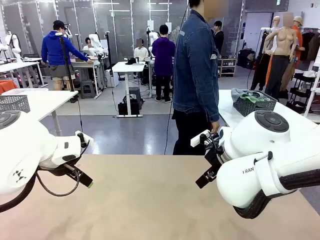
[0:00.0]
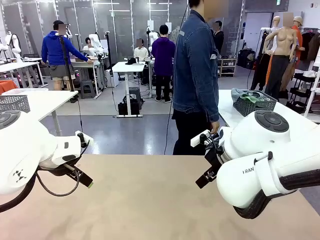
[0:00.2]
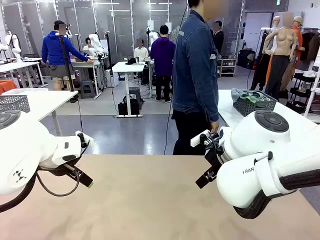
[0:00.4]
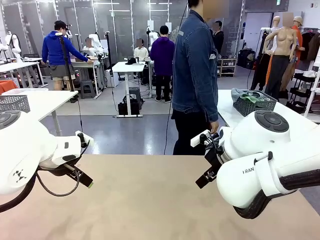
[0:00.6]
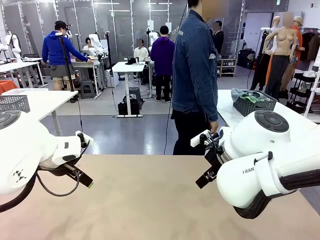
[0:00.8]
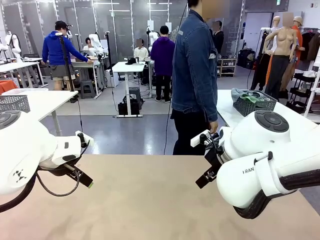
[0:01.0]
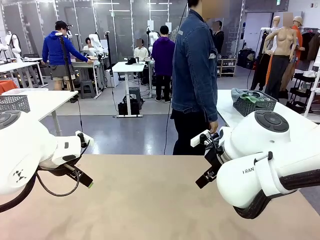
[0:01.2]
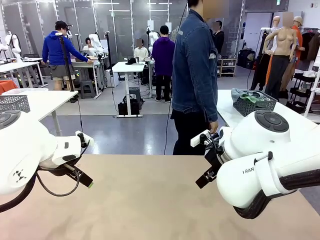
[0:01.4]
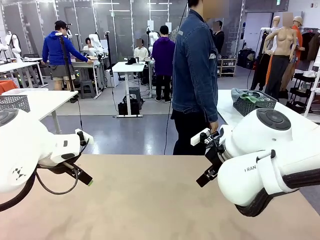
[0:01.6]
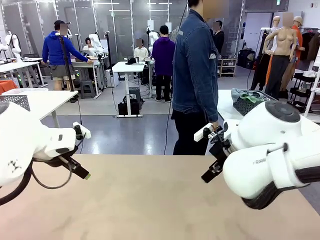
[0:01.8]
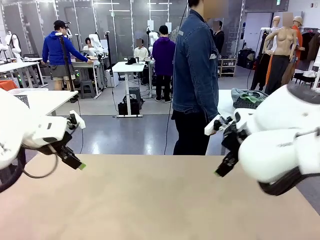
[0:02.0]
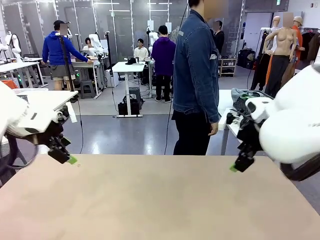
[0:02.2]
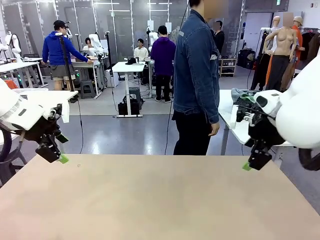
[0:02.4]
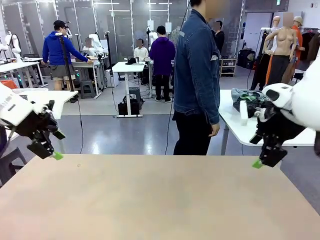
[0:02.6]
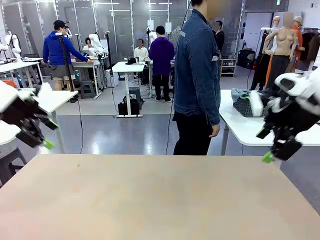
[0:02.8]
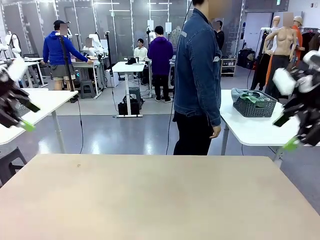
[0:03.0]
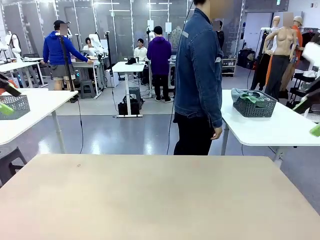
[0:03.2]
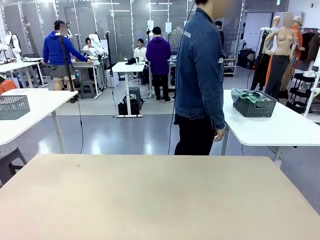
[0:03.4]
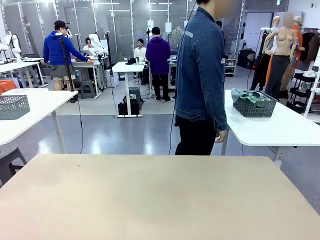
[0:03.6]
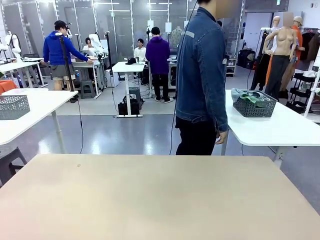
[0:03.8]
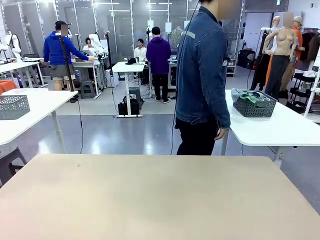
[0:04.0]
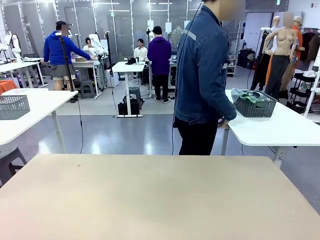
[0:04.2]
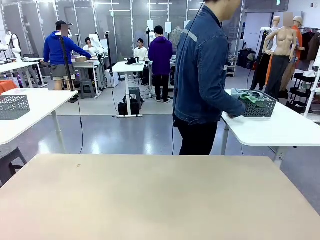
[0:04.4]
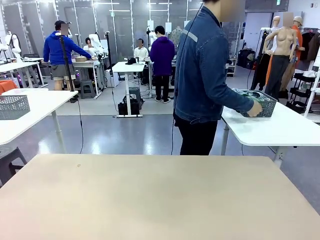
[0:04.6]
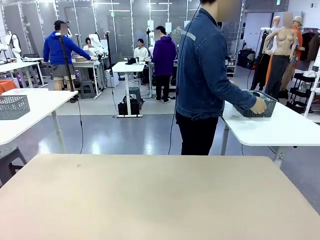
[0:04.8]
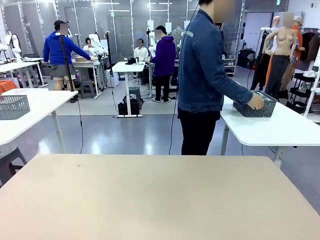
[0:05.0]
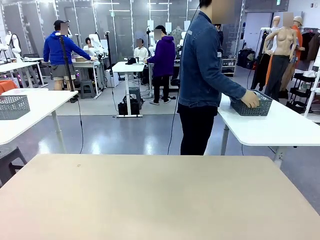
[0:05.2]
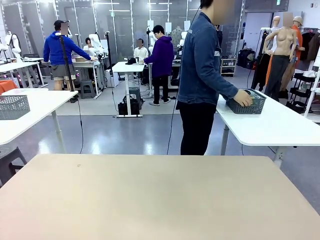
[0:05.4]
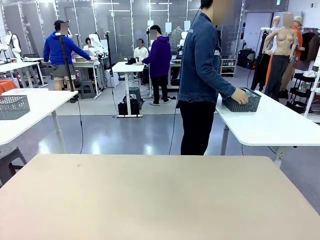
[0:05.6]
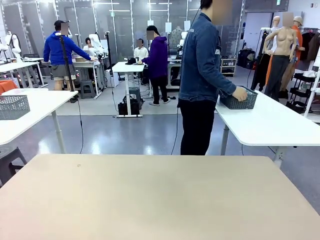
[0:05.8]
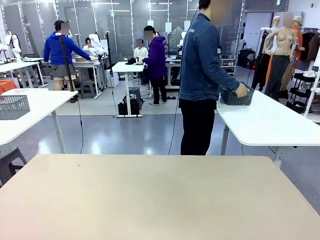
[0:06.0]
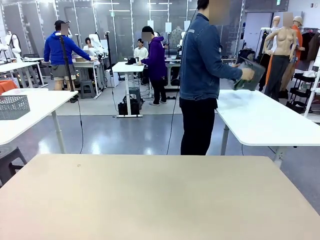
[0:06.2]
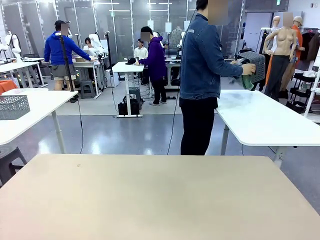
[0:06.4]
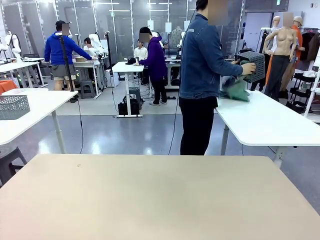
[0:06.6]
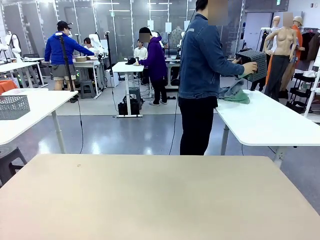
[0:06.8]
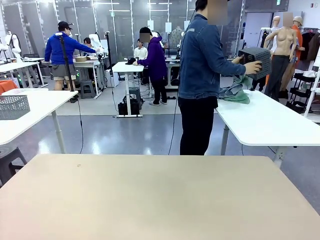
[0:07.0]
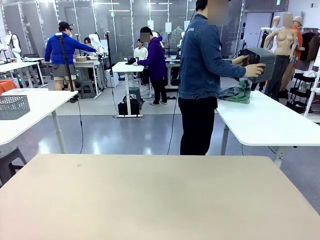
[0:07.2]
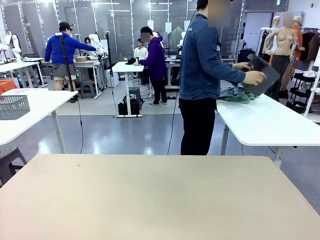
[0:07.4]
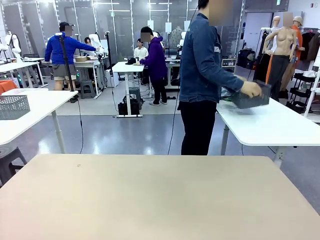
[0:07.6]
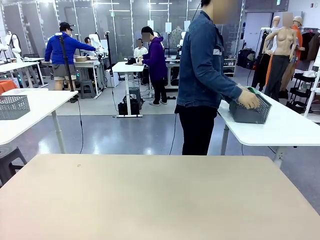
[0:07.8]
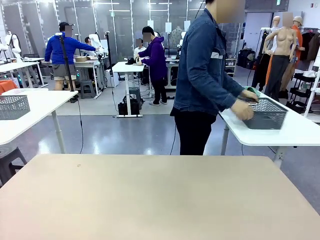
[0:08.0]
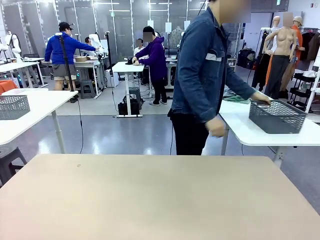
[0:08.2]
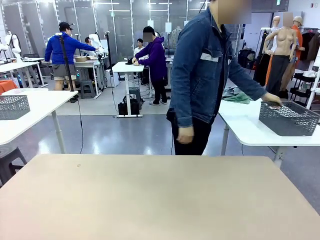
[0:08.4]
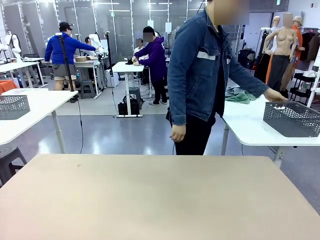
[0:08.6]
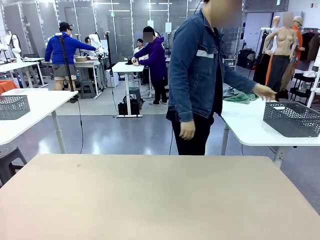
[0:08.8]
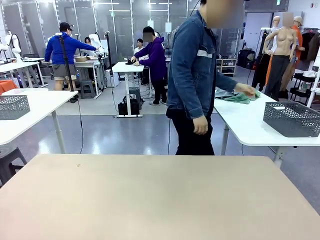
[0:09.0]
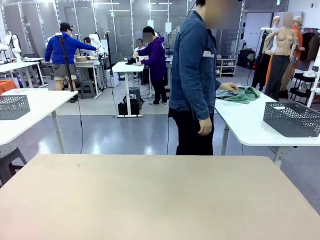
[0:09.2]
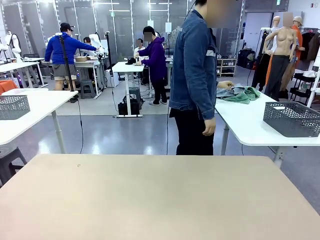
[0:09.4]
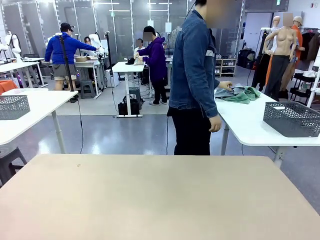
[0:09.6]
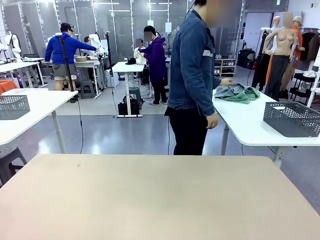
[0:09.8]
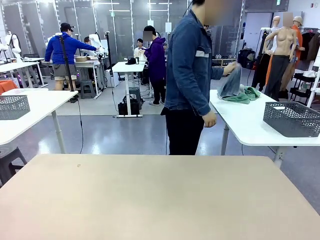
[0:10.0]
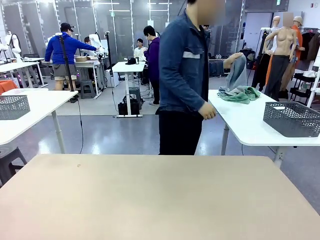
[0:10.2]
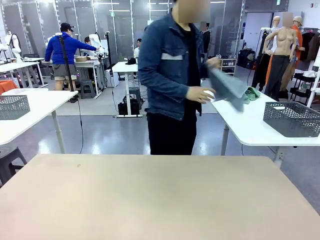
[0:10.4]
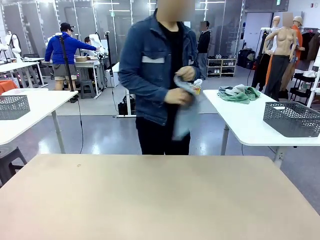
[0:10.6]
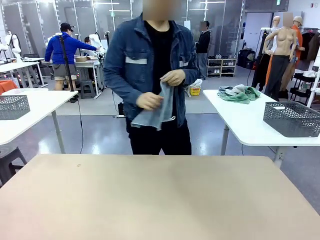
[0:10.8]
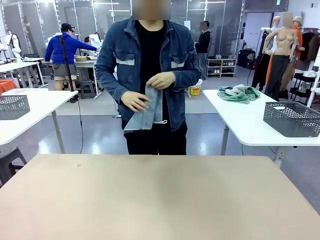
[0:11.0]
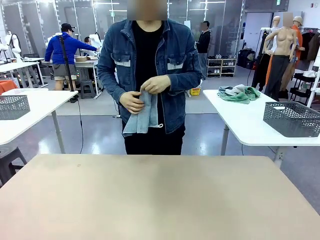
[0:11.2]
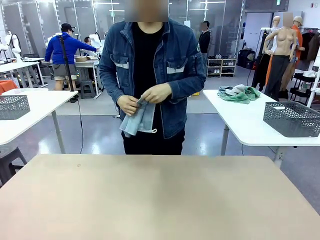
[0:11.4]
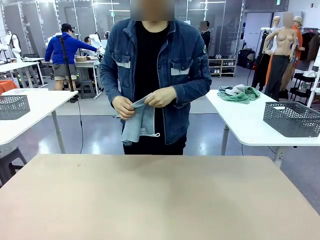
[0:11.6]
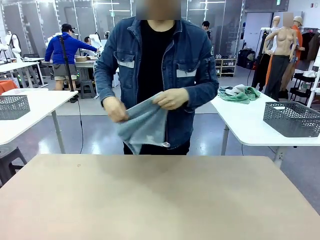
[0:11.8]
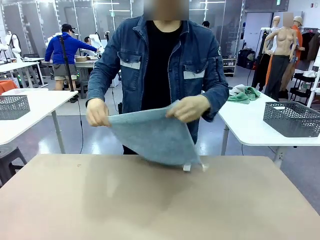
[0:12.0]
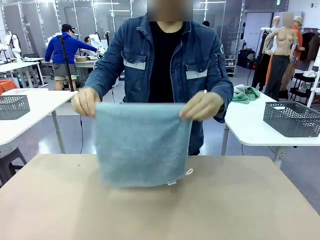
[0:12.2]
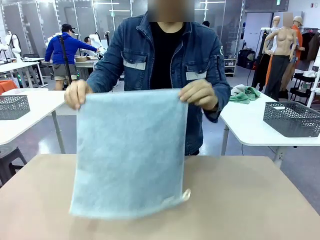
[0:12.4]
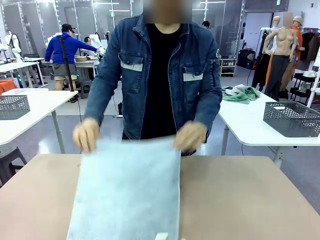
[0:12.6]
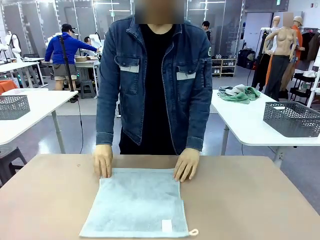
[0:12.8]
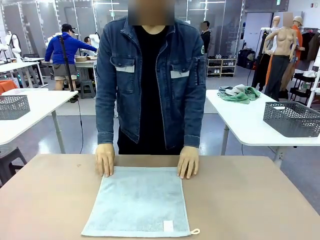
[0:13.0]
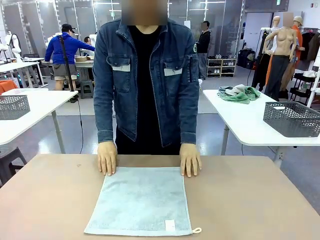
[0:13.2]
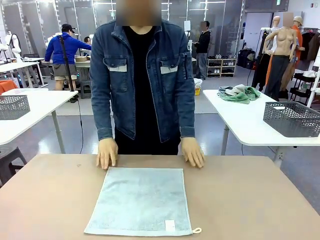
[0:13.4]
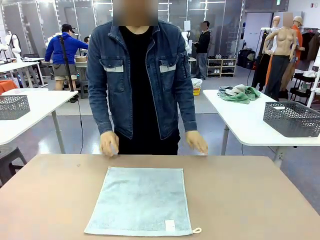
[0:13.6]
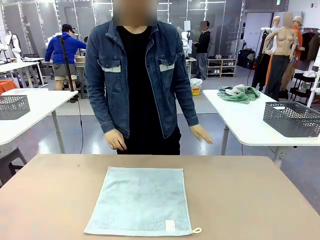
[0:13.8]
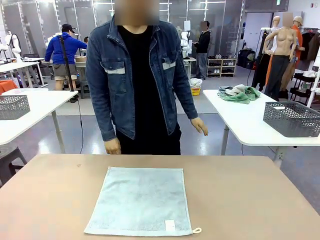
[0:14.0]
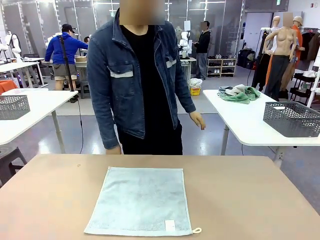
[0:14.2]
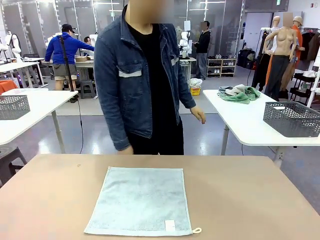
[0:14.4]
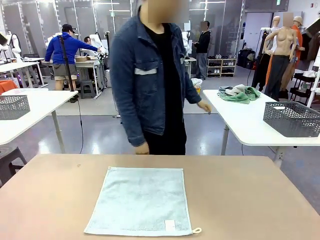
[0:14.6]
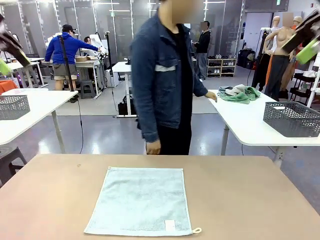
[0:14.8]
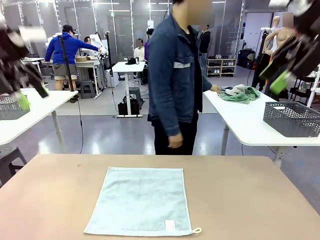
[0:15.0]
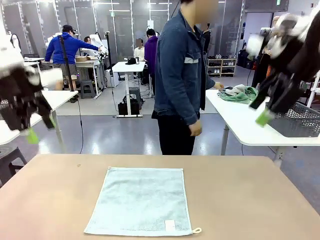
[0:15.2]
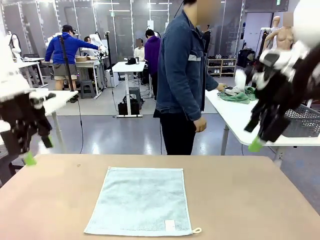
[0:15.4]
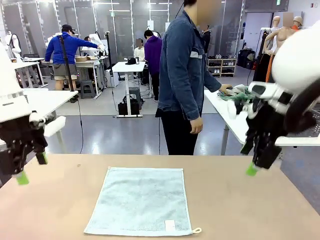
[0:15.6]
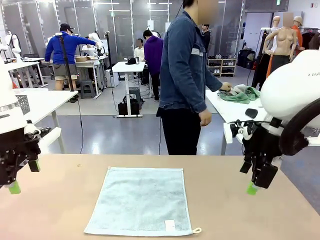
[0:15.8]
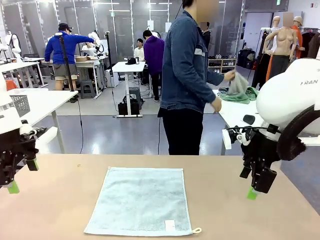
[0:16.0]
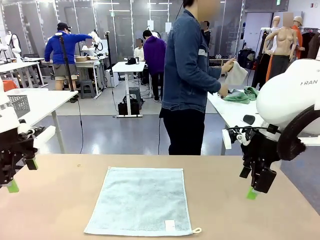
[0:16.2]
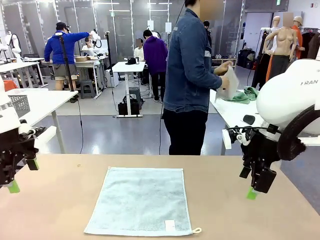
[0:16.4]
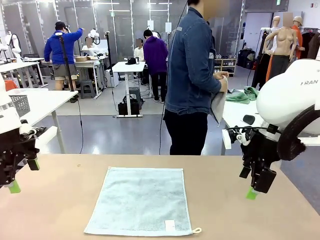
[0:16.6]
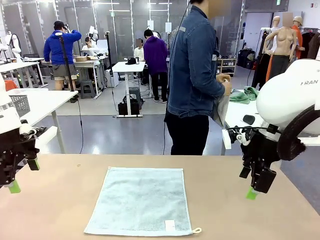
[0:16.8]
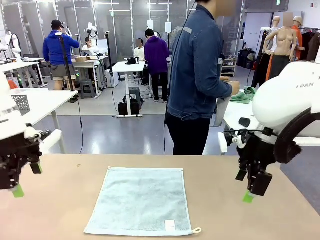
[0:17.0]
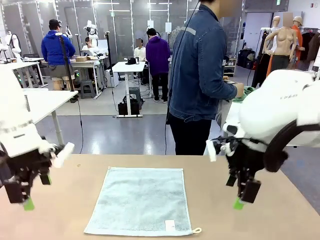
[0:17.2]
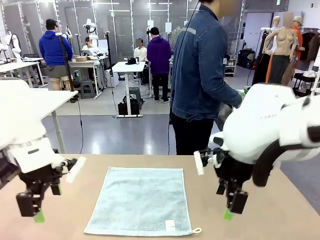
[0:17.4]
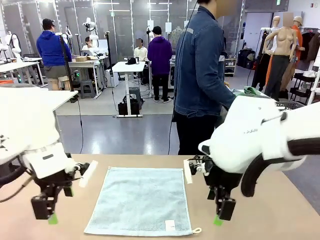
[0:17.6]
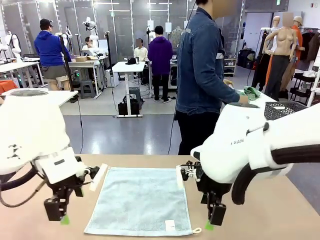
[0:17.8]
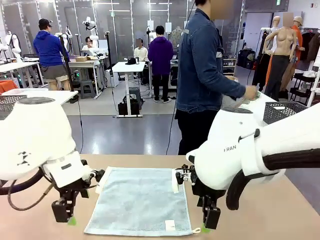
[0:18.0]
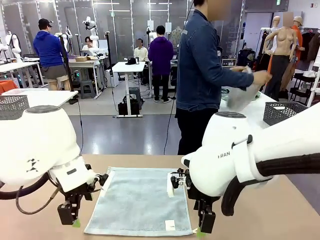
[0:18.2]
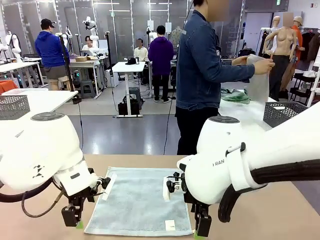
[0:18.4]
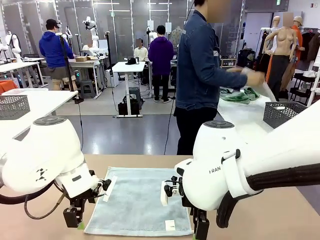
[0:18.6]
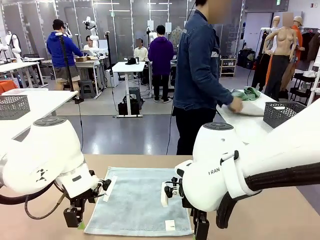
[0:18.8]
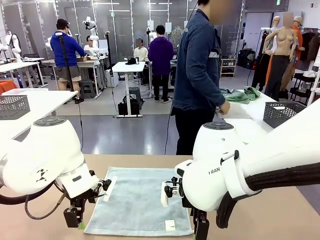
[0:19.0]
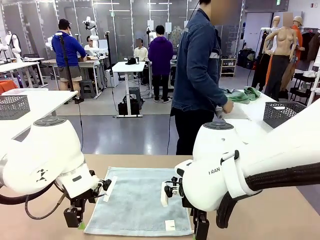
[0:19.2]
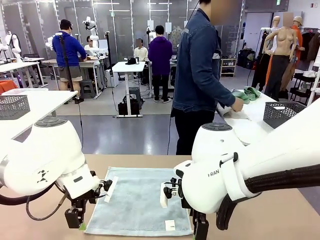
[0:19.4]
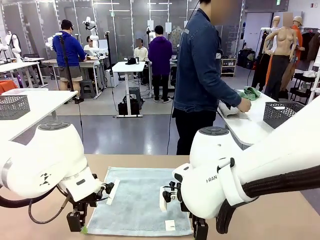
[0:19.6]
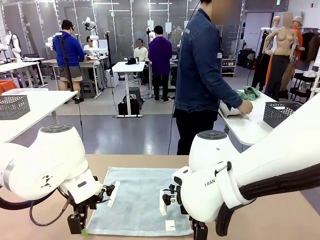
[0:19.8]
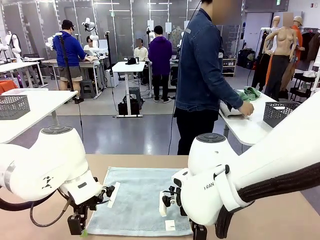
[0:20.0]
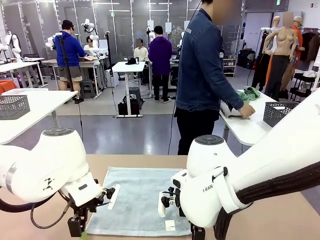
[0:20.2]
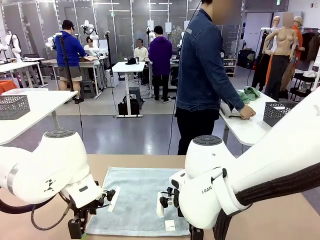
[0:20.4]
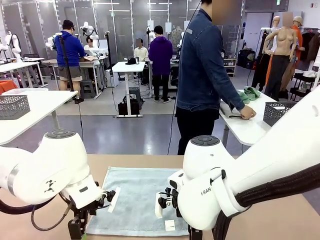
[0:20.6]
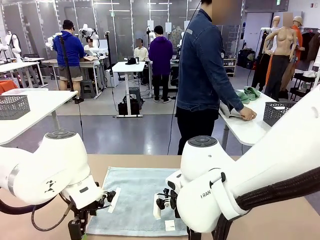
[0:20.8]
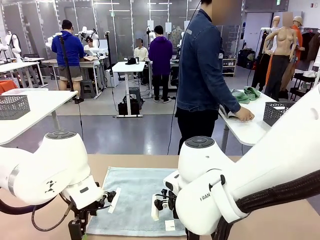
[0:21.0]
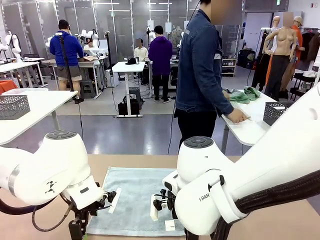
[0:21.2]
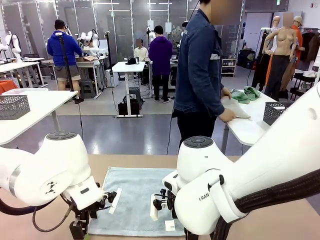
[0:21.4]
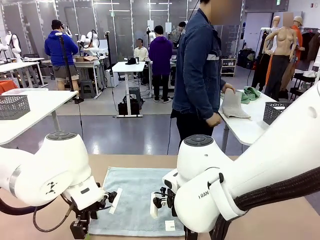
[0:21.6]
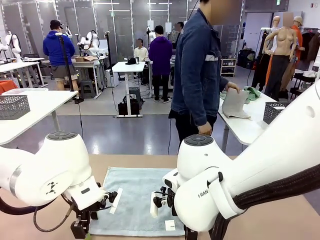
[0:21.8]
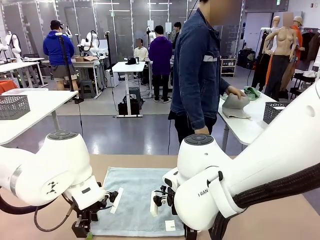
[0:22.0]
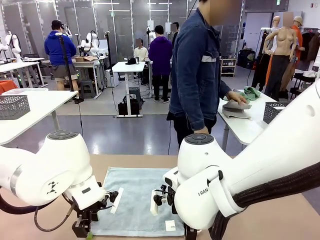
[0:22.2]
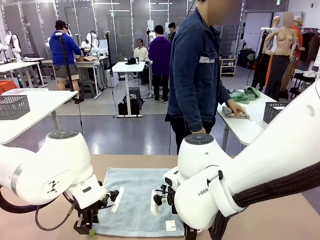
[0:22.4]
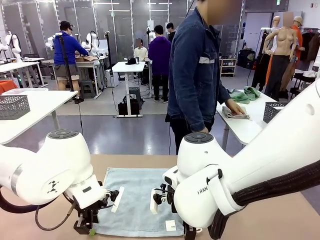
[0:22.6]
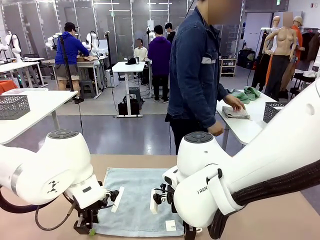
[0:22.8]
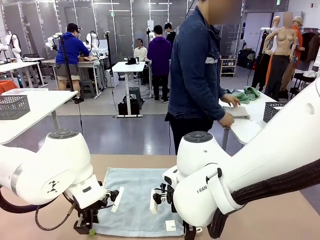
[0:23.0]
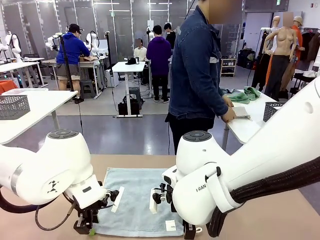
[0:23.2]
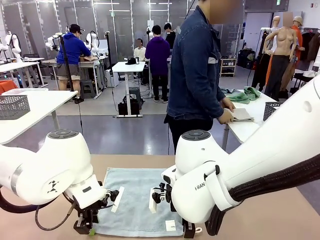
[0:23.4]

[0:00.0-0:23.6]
Task: Fold the towels and place them in the basket.
Robot: When a person lays out a Towel with hook on the table, fold it in half twice.
Person: Pick up the basket, pour the towels onto the left side of the human table, and place the basket on the right side. Pick up one towel and spread it out at the center of the robot table. Pick up one towel from the left side of the human table, fold it in half twice, and place it on the right side of the table.
